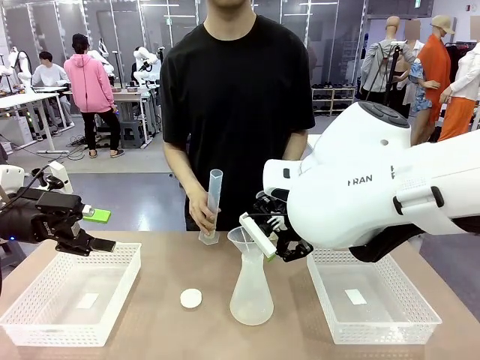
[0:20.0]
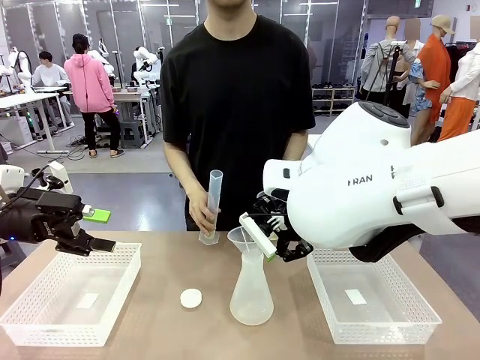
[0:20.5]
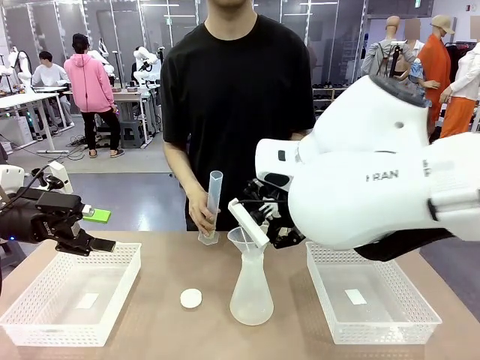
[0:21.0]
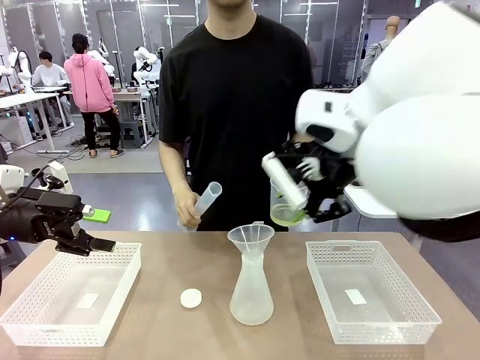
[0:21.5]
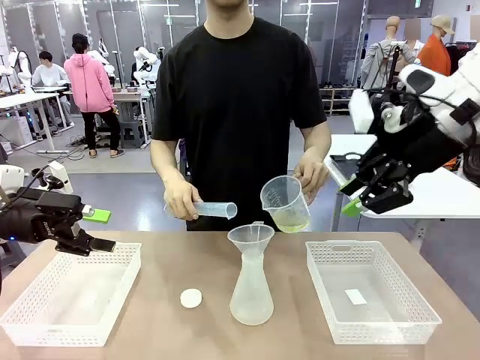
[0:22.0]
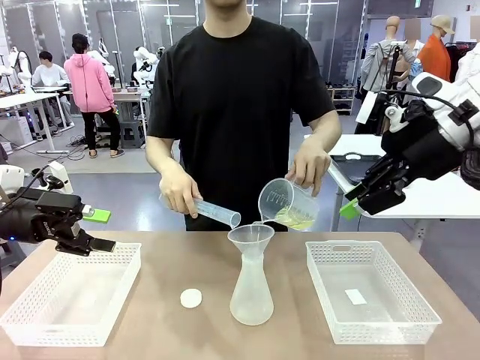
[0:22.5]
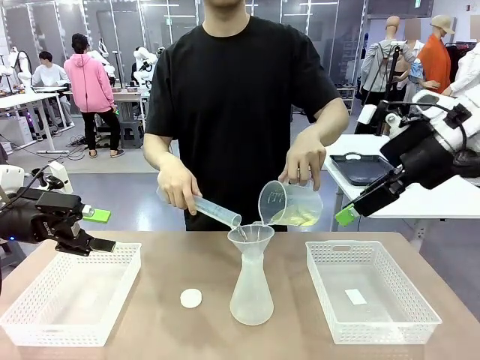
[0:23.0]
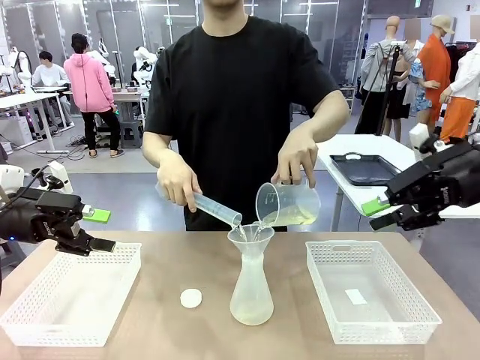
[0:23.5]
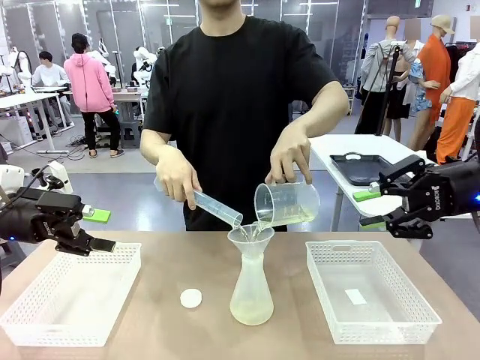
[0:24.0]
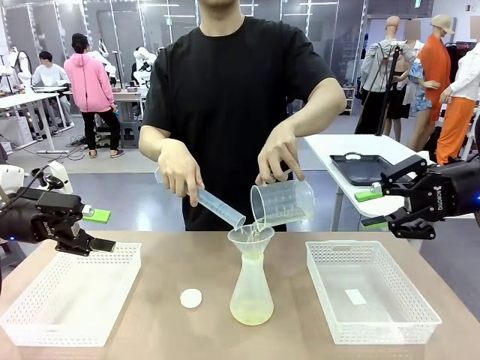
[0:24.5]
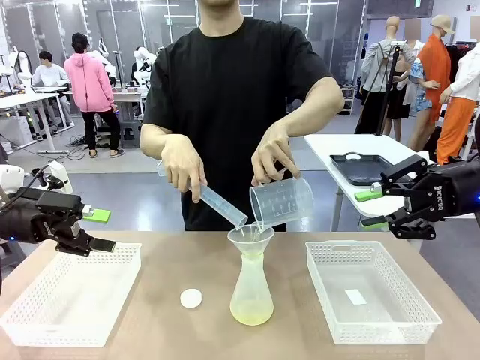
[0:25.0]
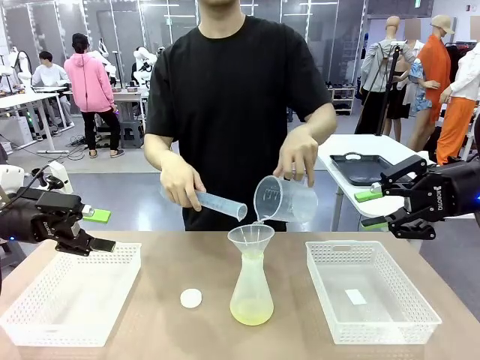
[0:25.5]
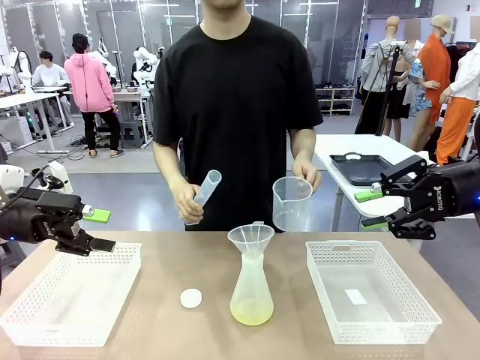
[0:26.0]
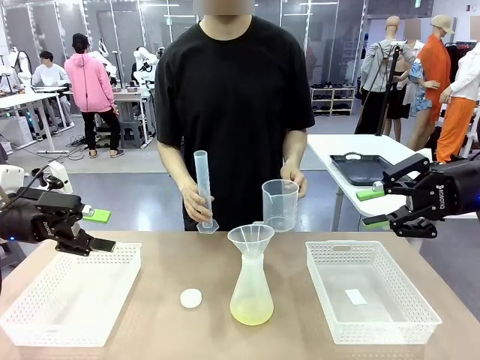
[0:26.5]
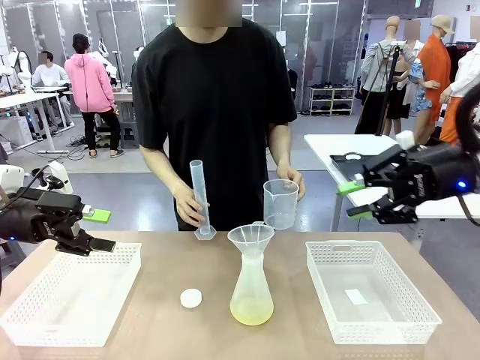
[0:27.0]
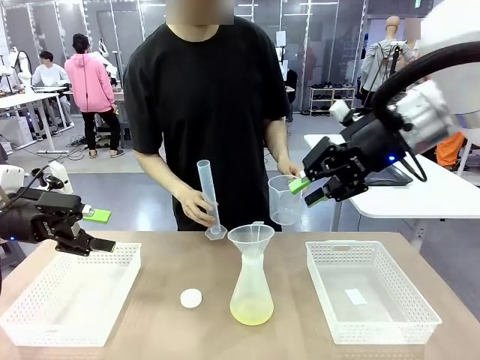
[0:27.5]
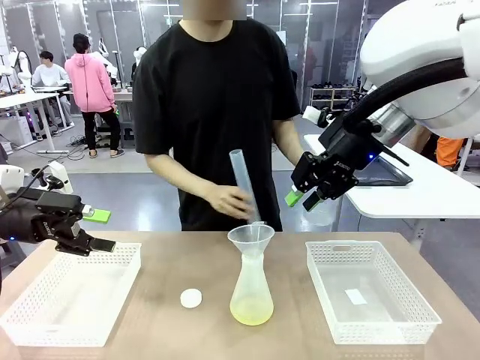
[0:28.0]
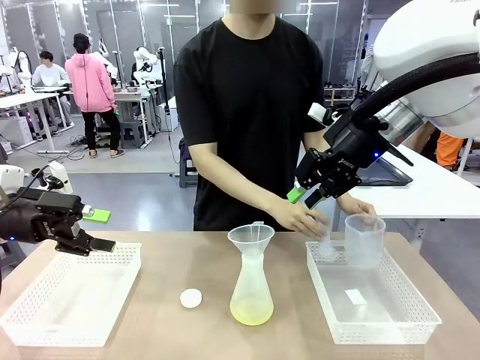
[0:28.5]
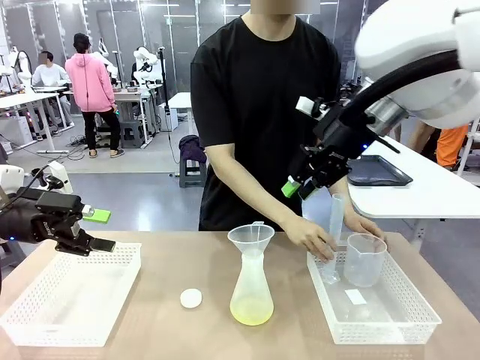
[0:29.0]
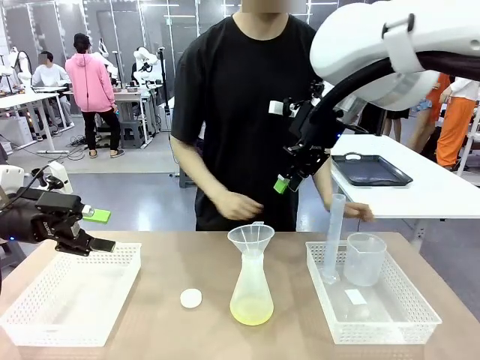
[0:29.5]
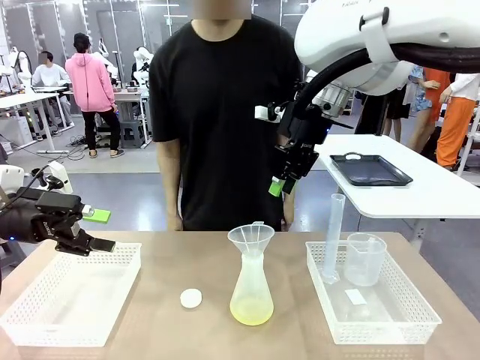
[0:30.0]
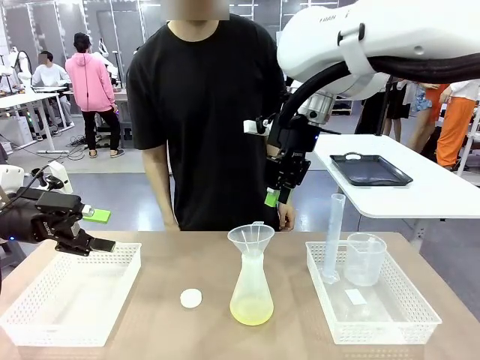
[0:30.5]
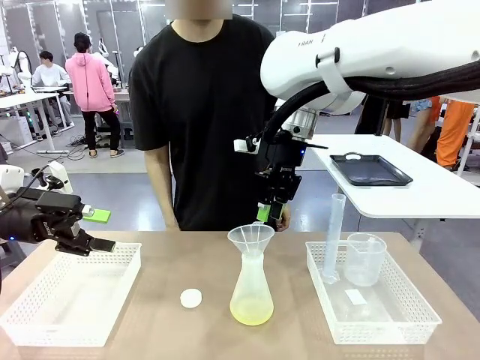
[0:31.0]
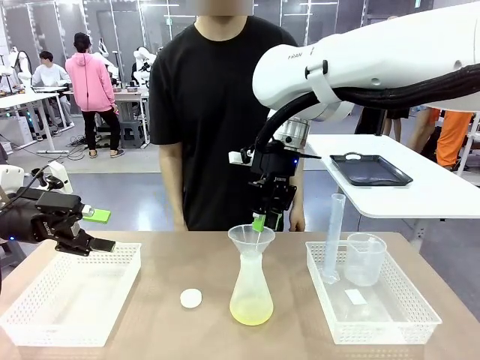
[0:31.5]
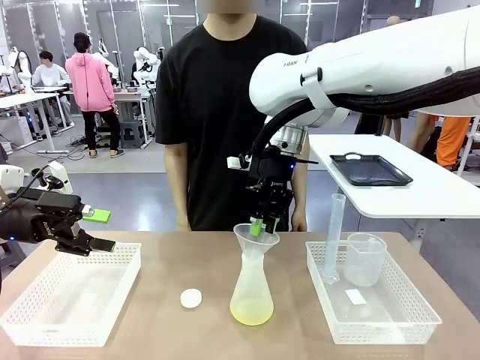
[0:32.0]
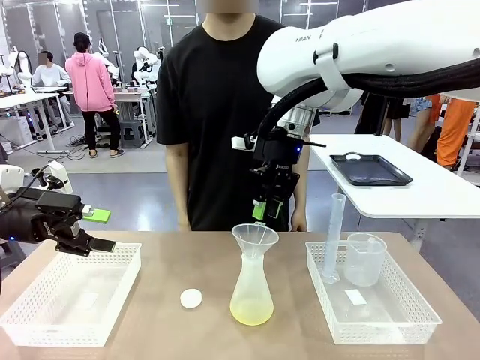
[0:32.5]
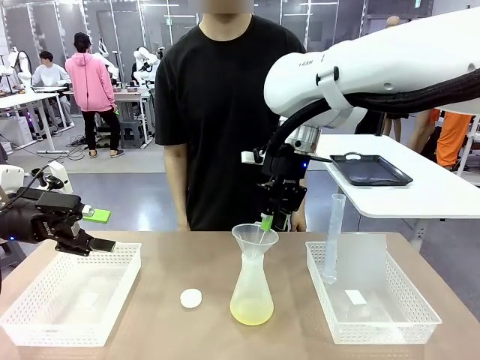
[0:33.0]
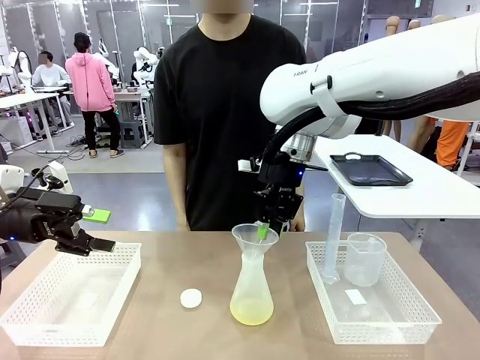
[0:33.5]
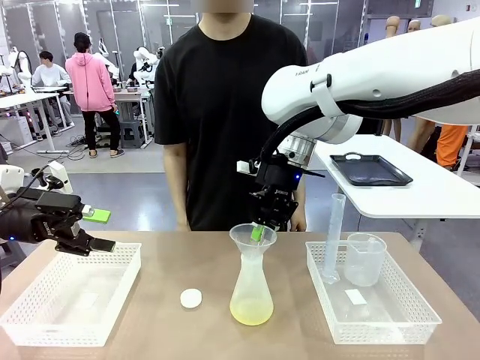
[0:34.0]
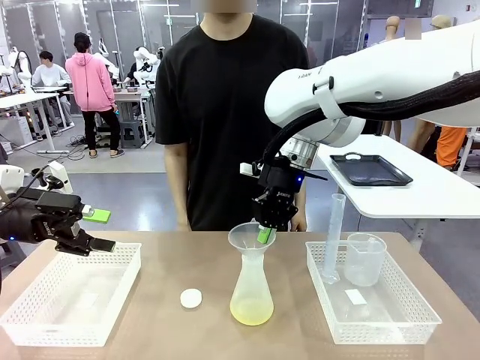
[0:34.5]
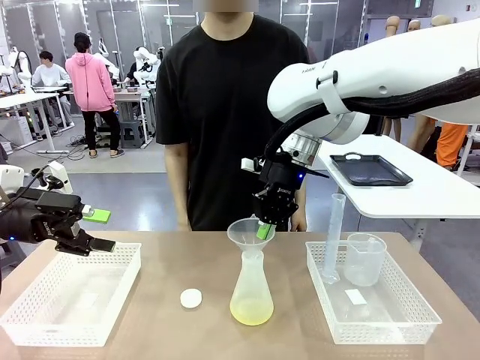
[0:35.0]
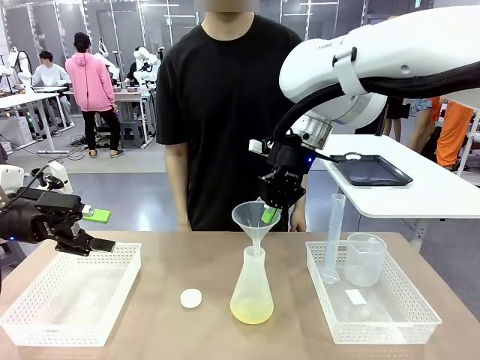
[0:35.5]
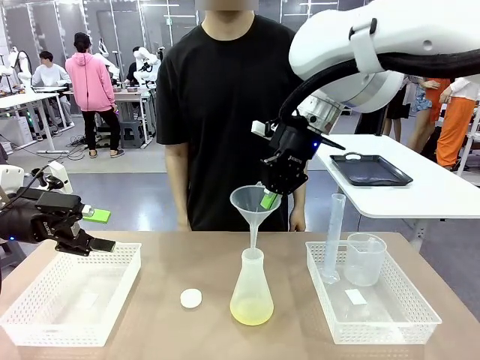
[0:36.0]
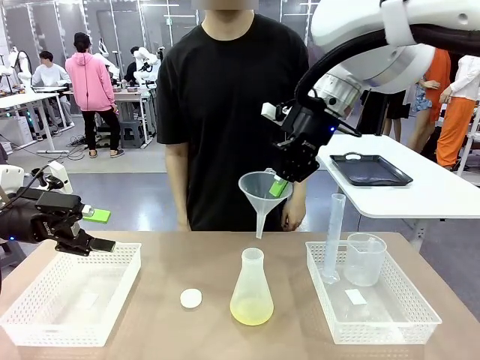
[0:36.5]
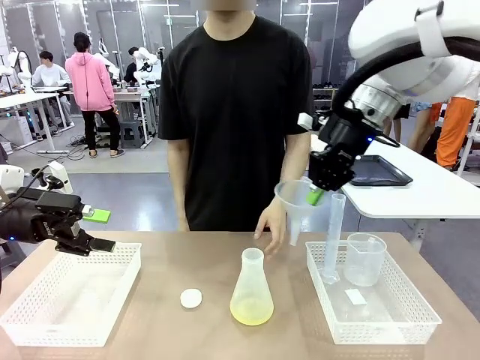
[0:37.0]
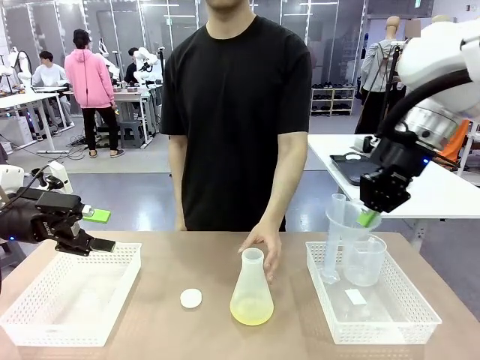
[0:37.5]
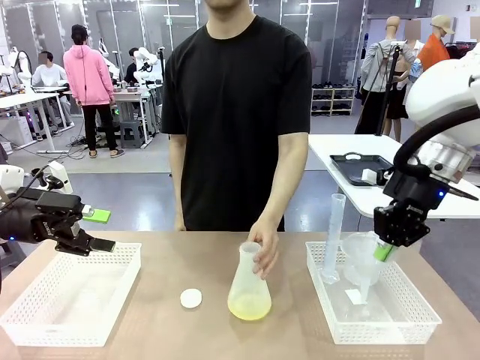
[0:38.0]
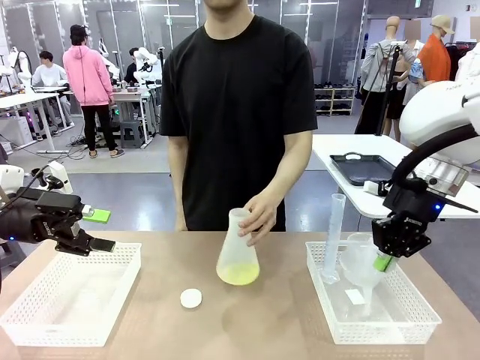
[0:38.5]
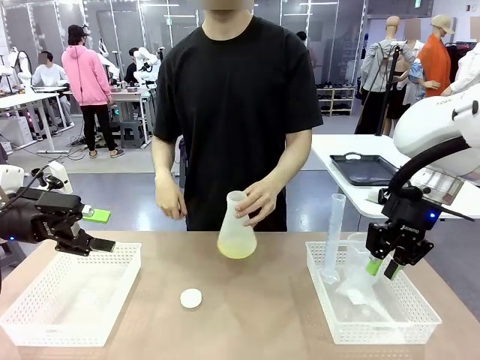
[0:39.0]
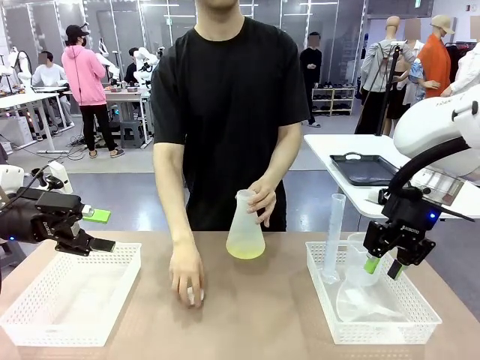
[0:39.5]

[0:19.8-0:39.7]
Task: Prepare the solutions needed for the experiment.
Robot: Once the solution is in the Big flask , pick up the Plastic Funnel and place it back into the right Organizing basket.
Person: Place the beaker and the cylinder into the organizing basket on the left side. Pick up the flask, gently shake it 2–3 times, place it in the middle of the robot table, and close the lid.
